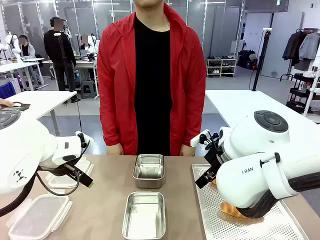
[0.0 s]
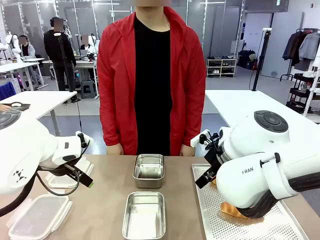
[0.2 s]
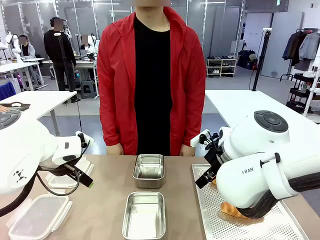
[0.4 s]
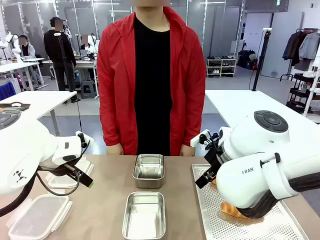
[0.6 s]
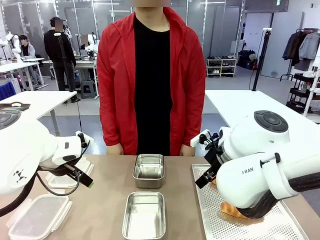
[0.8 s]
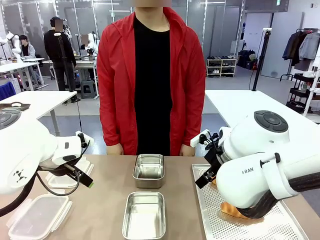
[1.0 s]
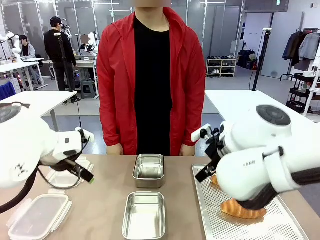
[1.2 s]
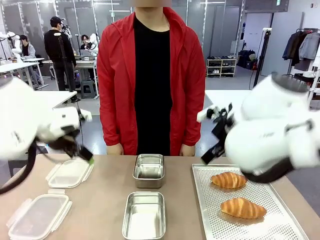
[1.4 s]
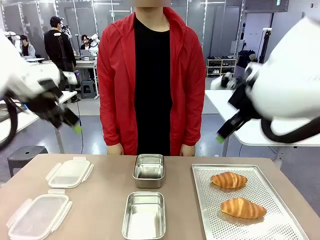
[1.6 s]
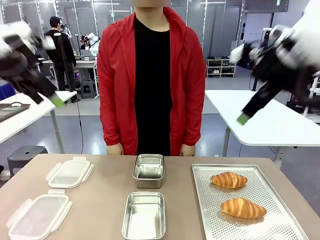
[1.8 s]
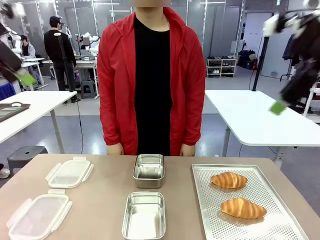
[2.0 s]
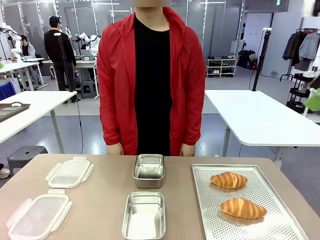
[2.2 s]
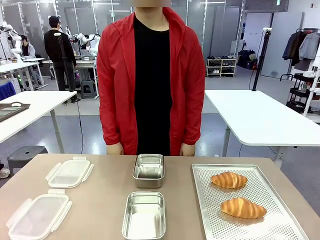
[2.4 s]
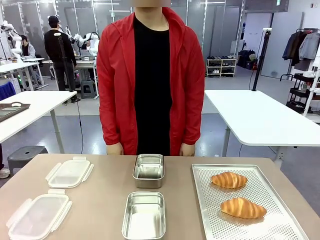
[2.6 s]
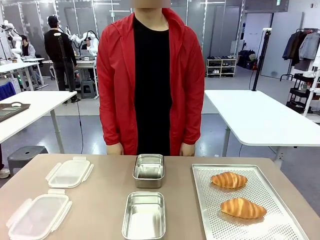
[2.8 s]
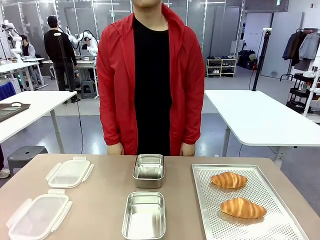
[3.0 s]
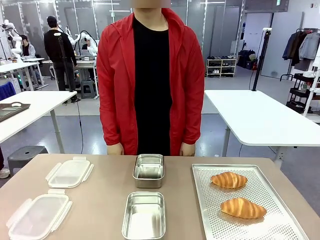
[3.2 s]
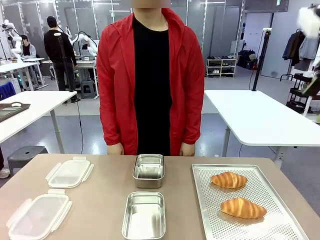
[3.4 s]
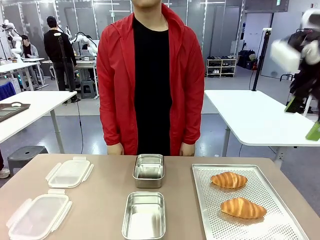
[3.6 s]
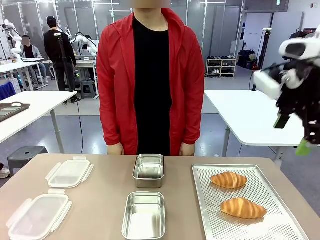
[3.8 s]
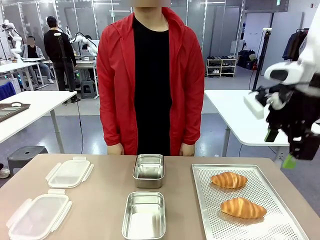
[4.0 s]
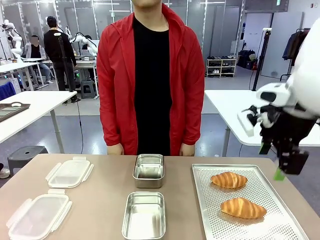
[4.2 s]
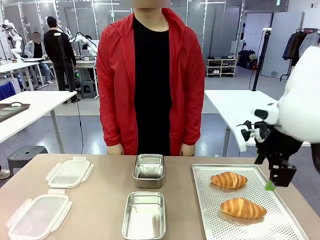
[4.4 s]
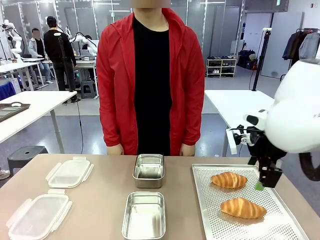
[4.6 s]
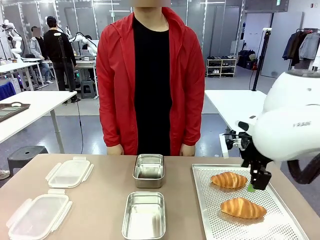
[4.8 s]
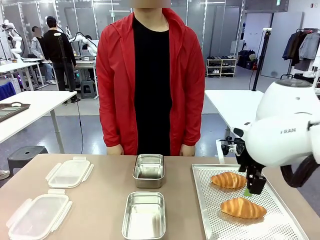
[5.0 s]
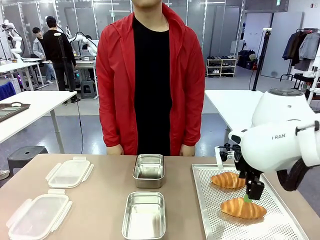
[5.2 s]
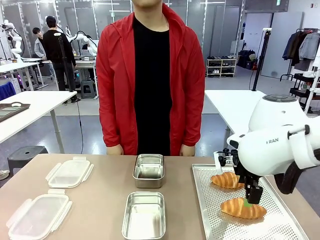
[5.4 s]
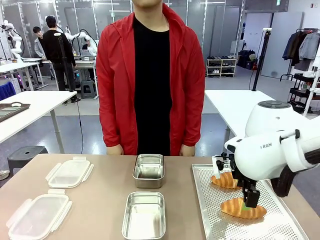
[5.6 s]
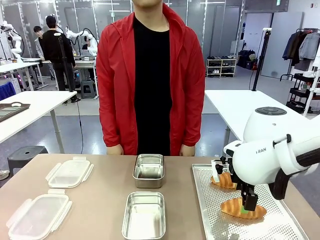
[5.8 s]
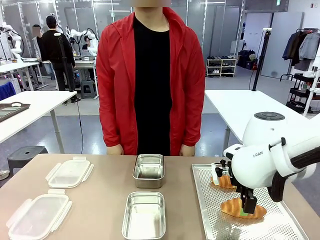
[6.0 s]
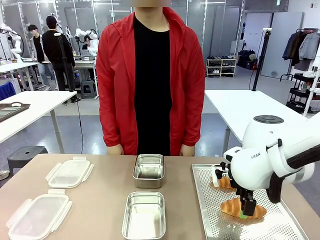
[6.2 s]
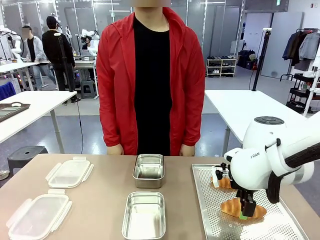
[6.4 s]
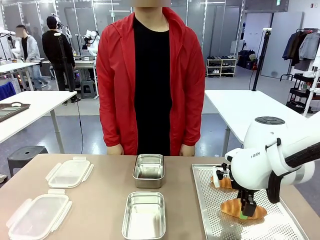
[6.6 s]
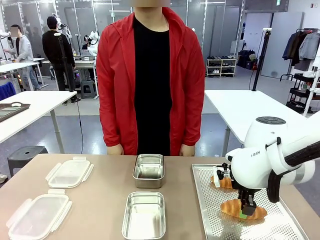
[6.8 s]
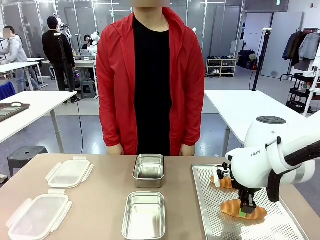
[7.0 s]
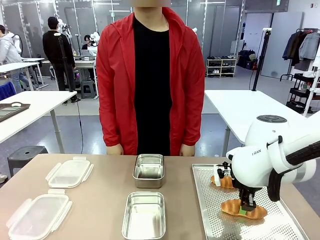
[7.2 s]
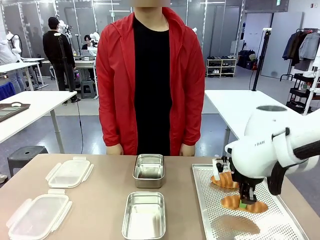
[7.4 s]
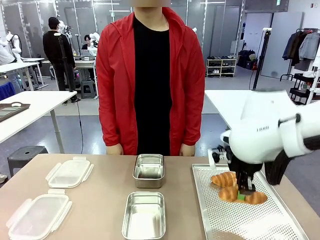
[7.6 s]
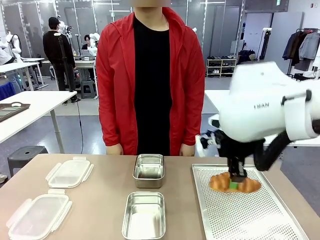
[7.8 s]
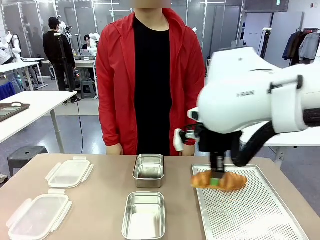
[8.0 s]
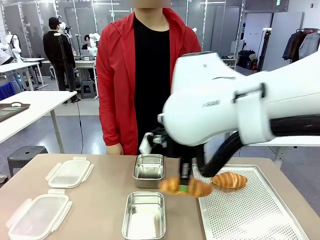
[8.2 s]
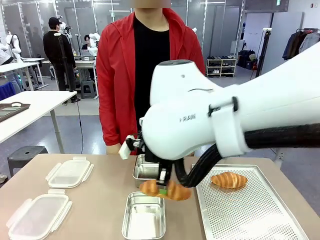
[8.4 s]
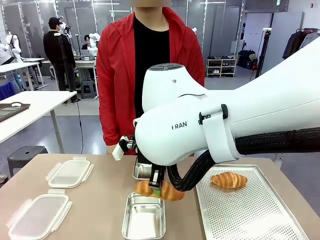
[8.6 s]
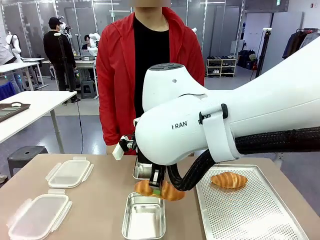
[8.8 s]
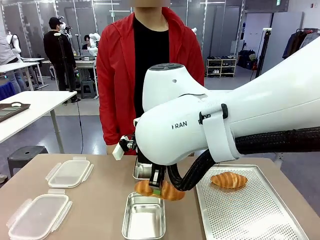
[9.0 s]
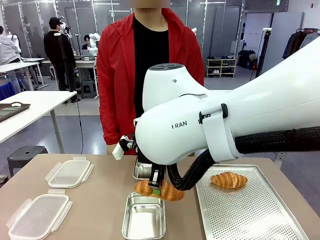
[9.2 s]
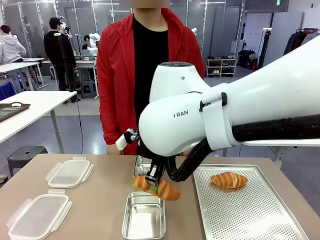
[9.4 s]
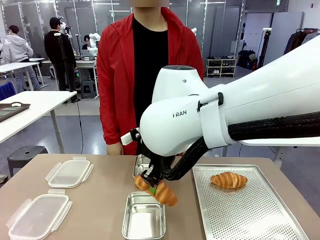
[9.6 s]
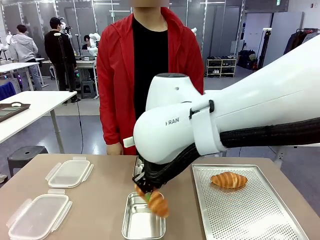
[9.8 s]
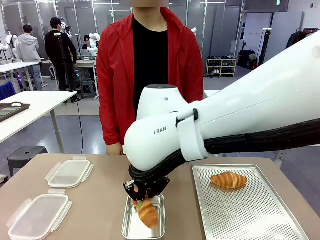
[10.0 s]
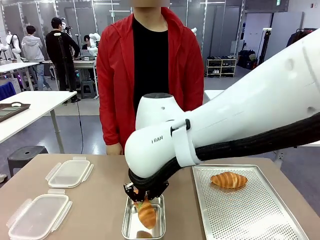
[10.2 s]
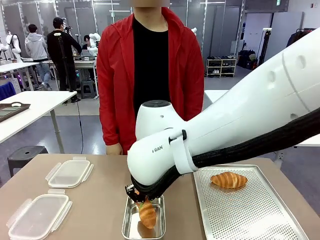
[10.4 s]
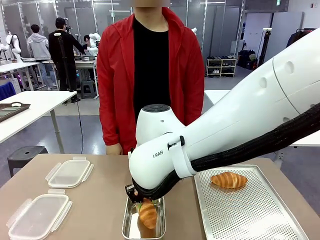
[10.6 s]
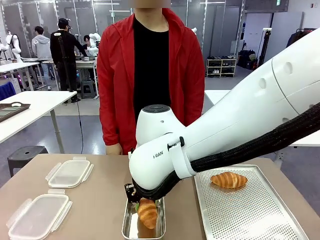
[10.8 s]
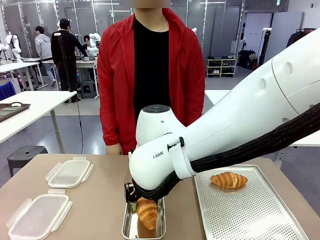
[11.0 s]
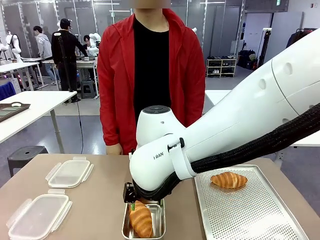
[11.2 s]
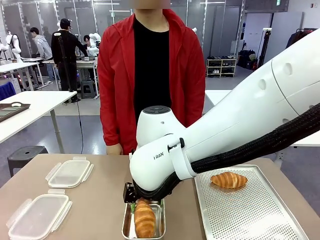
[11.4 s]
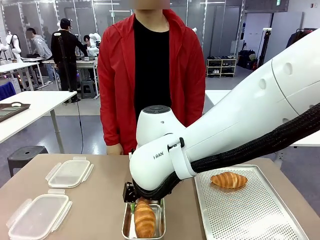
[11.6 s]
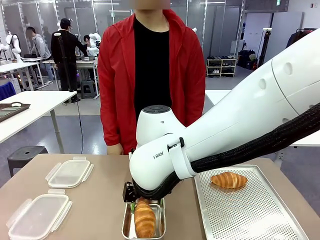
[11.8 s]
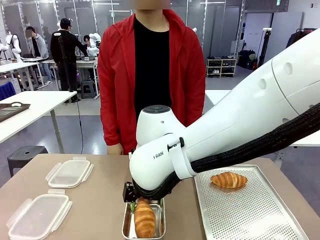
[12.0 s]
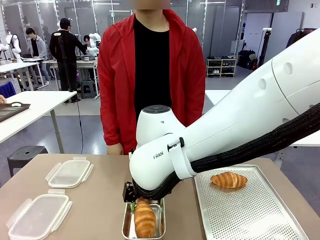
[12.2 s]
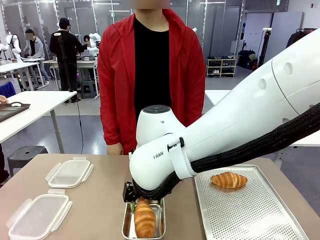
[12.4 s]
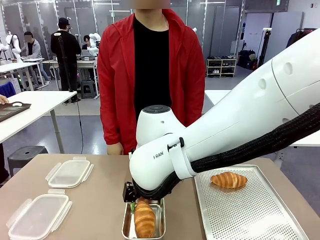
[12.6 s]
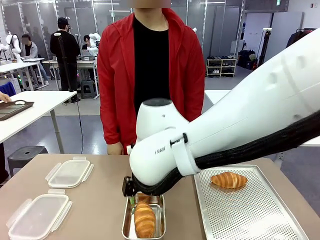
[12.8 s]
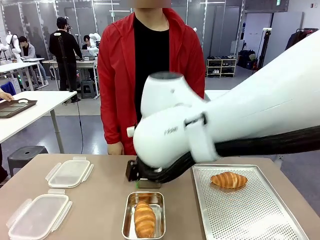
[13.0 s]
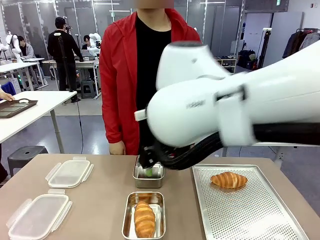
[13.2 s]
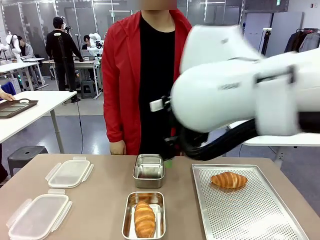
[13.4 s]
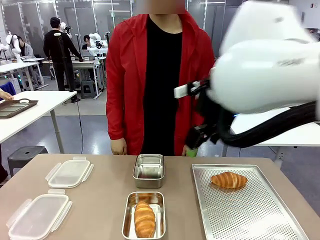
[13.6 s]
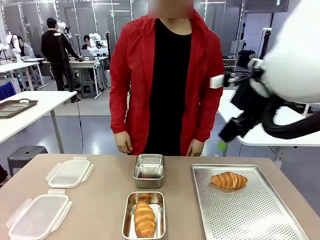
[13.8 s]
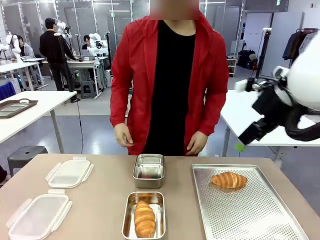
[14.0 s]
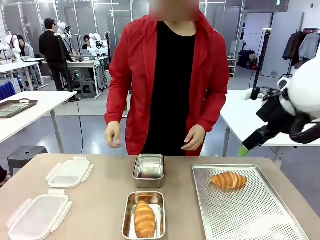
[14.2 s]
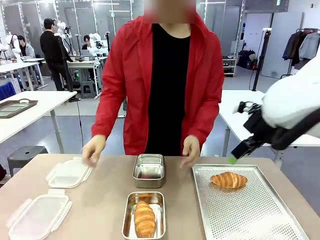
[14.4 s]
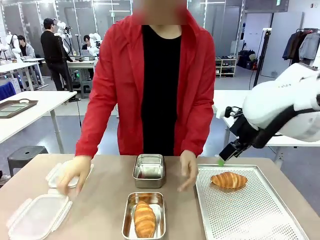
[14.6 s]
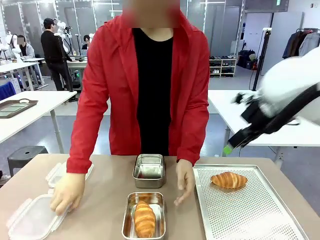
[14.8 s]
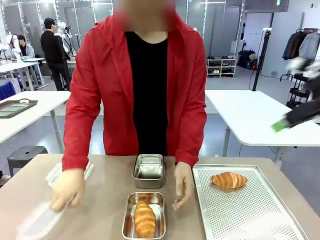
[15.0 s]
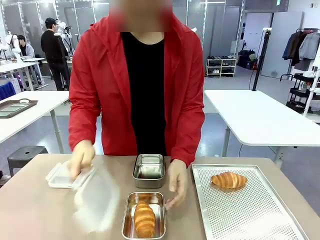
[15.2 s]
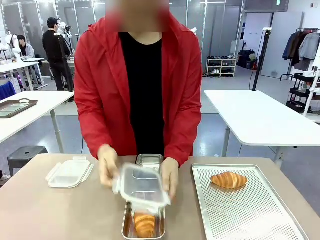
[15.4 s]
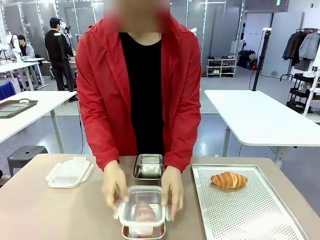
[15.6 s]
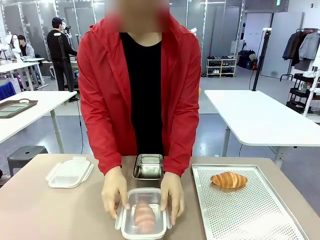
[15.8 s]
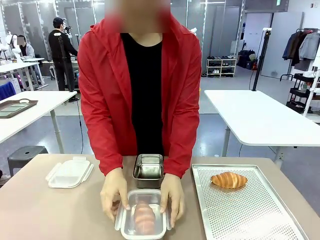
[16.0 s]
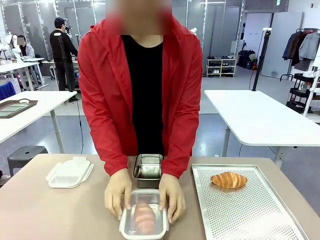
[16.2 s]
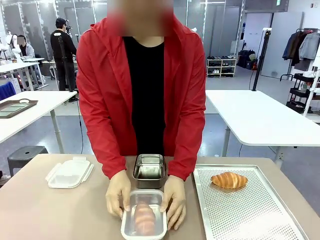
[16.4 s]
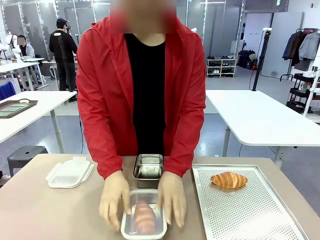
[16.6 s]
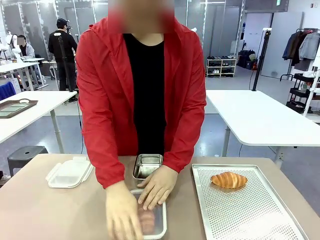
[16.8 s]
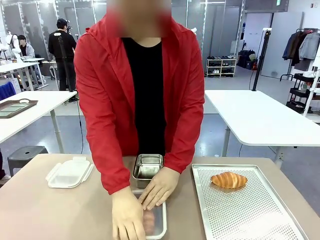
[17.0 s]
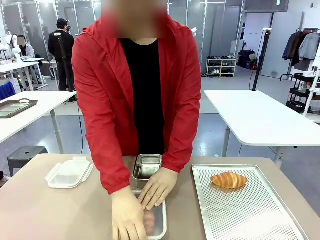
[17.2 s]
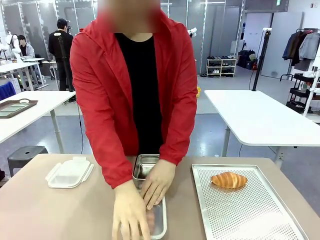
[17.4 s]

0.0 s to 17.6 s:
Task: Place the bread into the airtight container.
Robot: Pick up a Butter Roll and place it into an empty Airtight Container.
